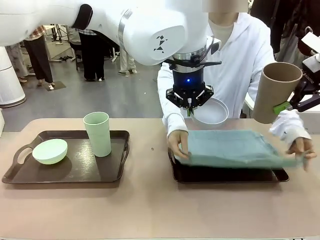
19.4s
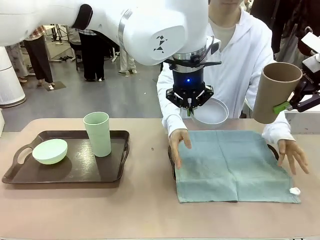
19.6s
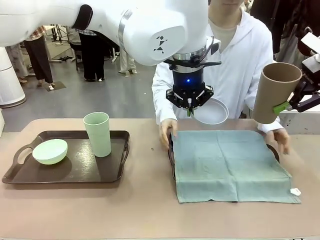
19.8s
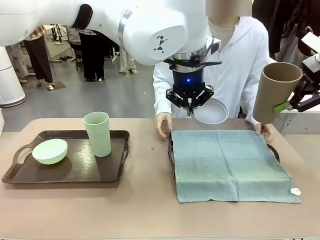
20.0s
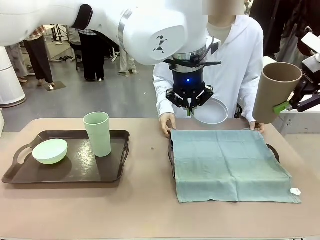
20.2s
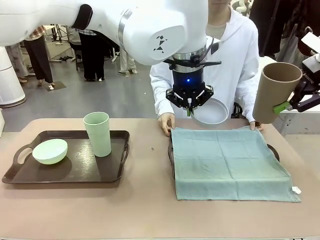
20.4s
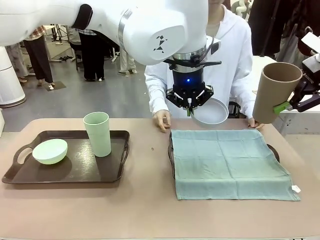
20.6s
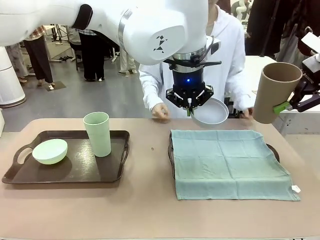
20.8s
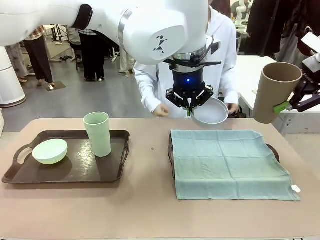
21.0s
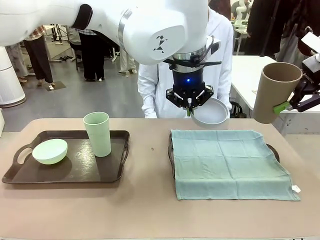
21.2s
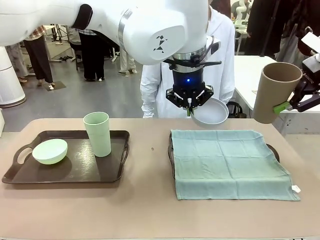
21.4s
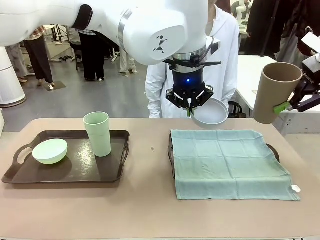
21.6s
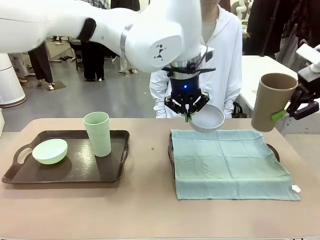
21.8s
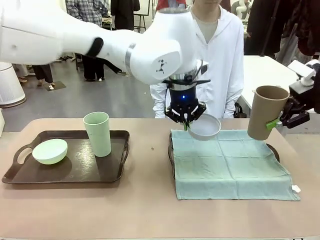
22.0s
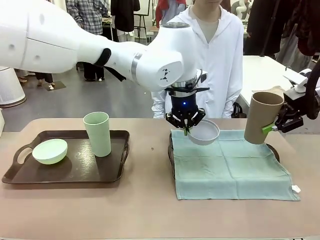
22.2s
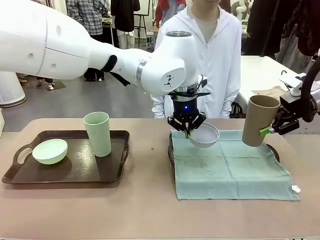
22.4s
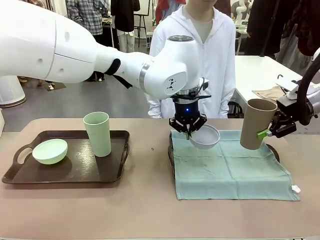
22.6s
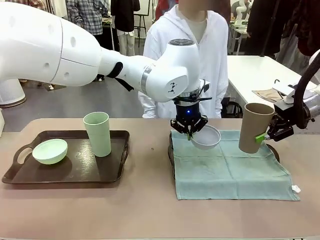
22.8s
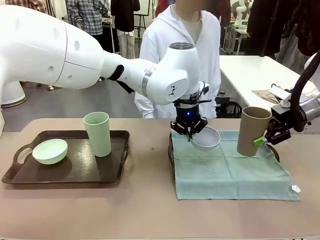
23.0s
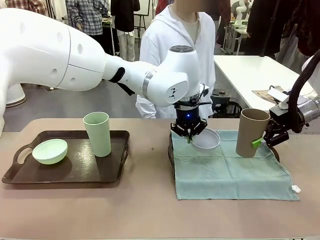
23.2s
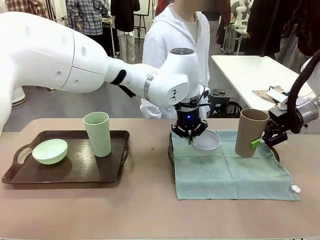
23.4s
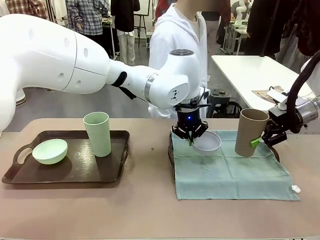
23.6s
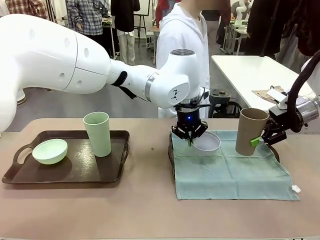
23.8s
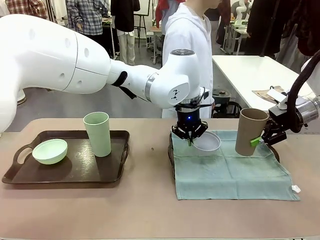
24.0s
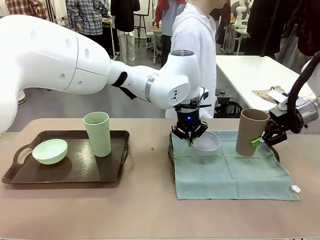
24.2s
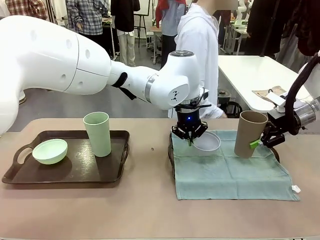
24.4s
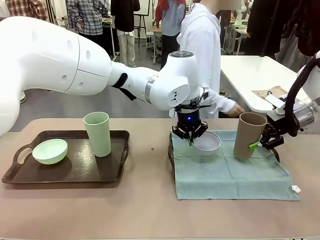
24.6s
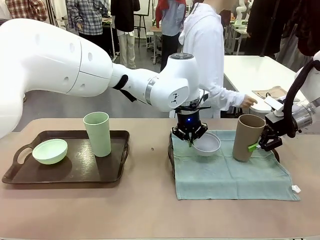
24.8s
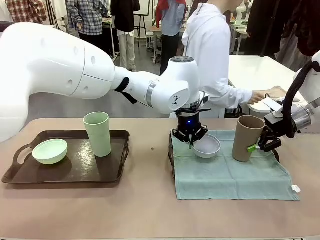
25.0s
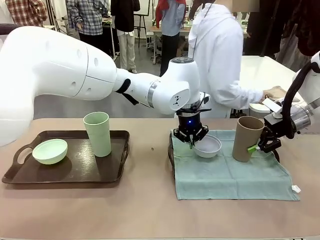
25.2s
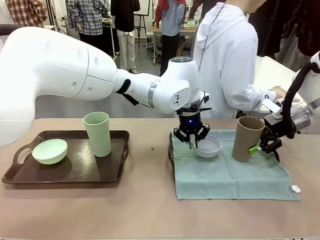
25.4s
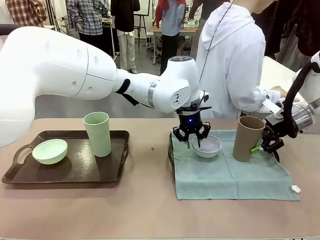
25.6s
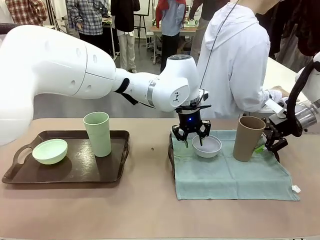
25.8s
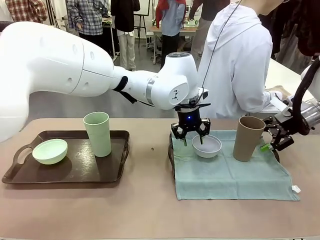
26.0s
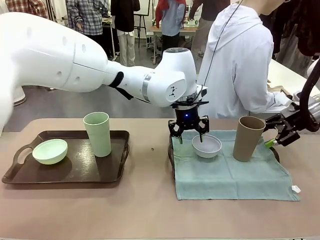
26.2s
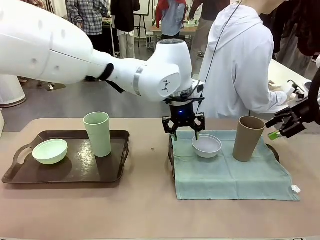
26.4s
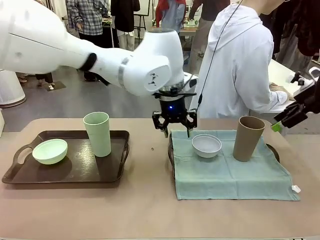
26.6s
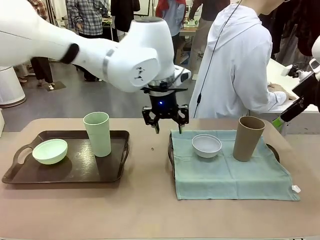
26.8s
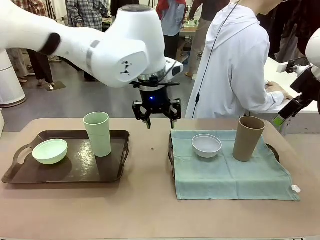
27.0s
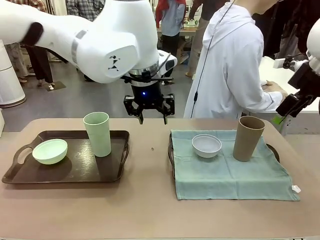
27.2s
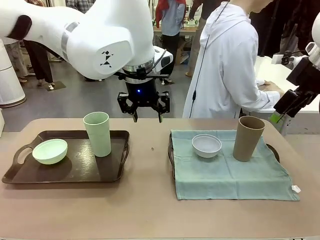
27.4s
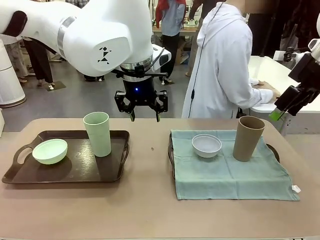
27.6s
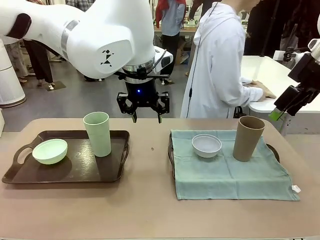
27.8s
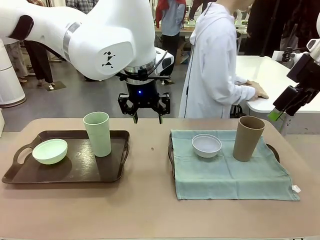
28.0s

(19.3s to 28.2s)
Robot: Place the Picnic Bowl and Reusable plastic cup back onto the Handle tray in front of the human's position.
Person: The human returns to the human table to pick up another napkin and walks to the robot table to stand in front of the tray without a napkin.
